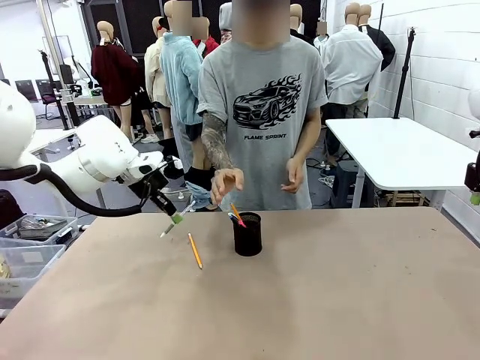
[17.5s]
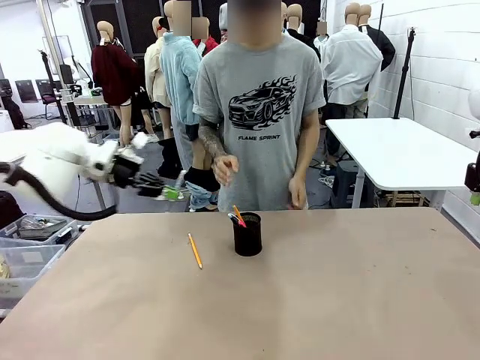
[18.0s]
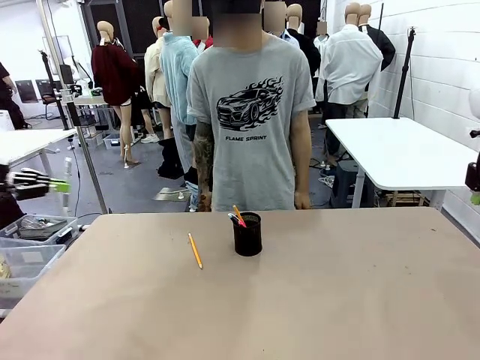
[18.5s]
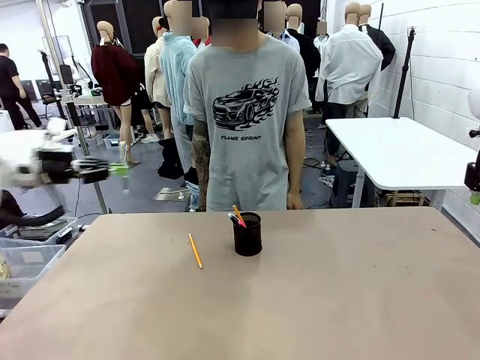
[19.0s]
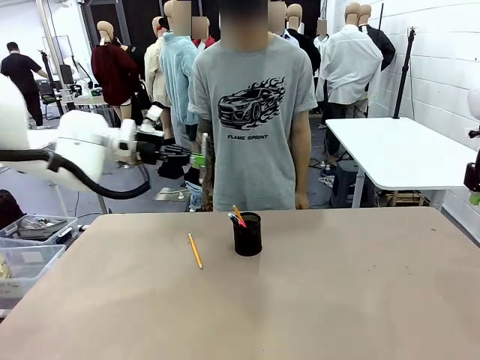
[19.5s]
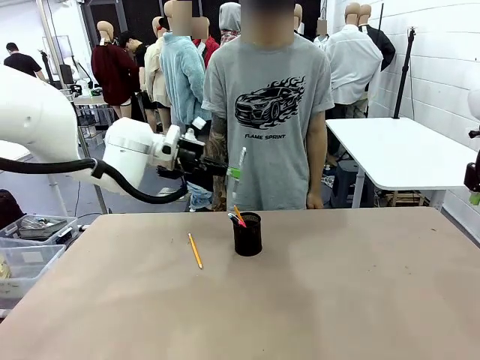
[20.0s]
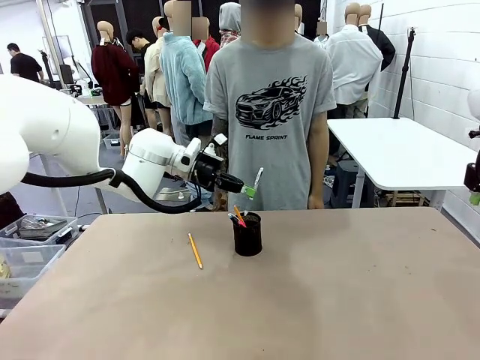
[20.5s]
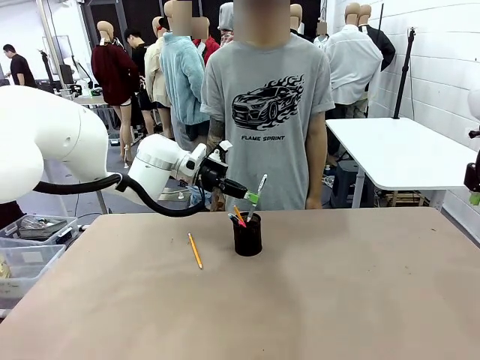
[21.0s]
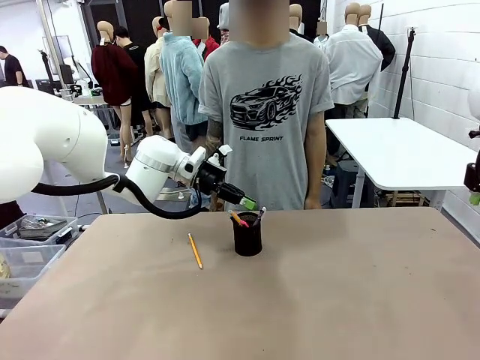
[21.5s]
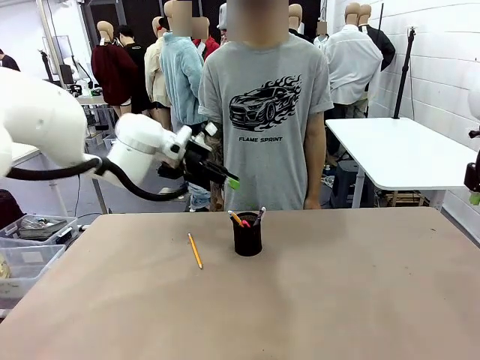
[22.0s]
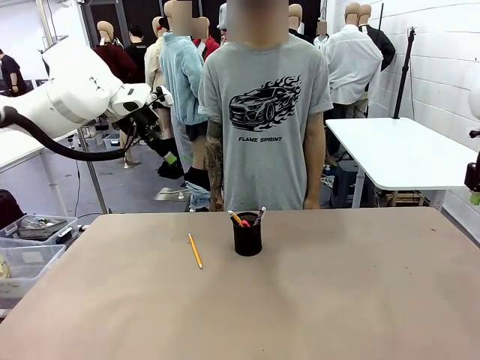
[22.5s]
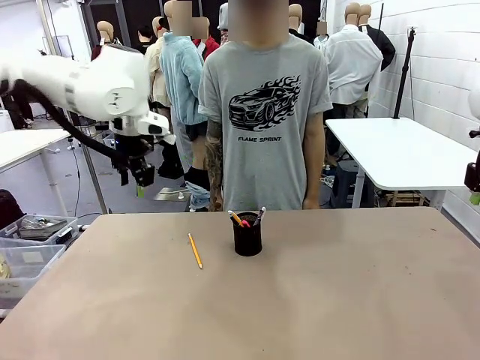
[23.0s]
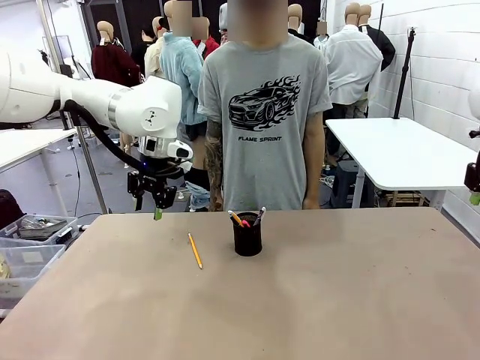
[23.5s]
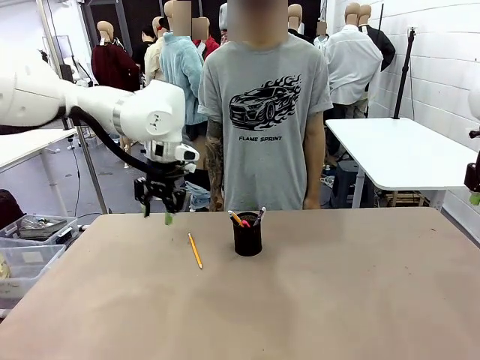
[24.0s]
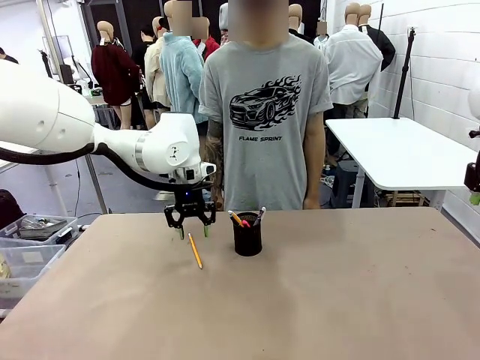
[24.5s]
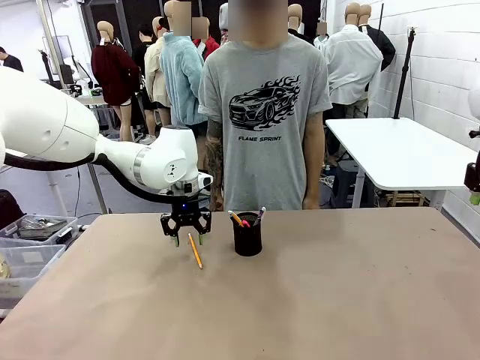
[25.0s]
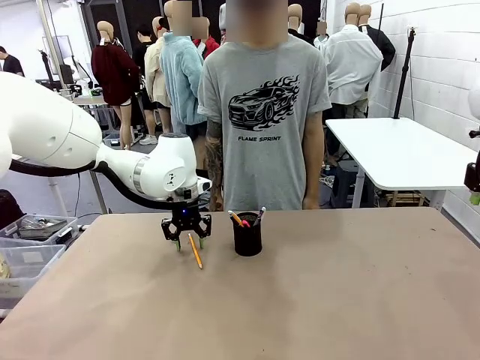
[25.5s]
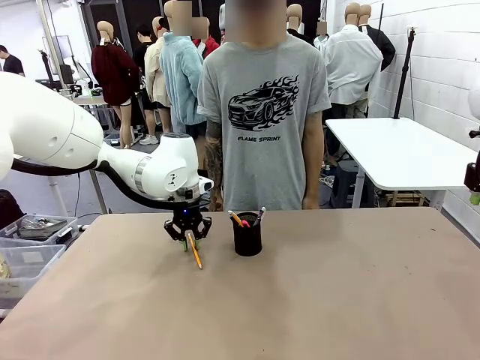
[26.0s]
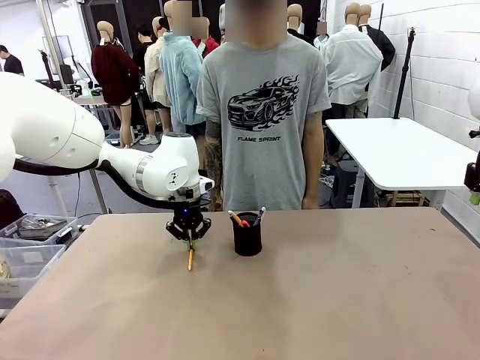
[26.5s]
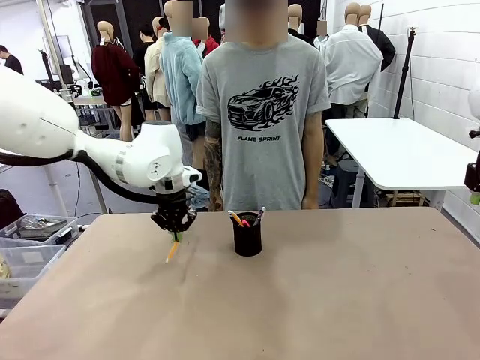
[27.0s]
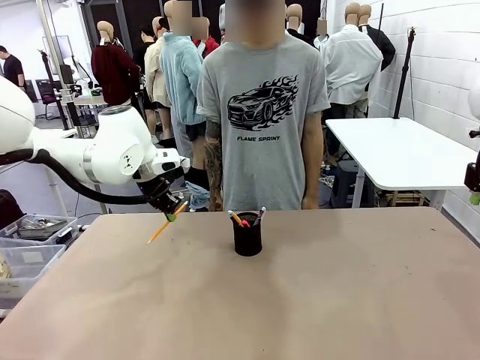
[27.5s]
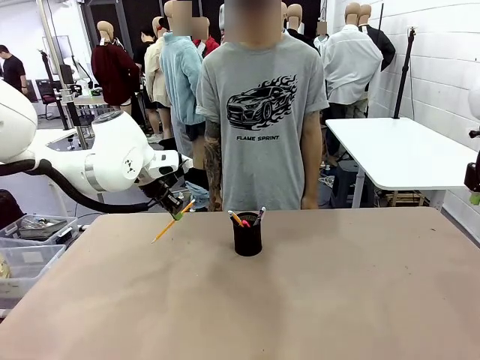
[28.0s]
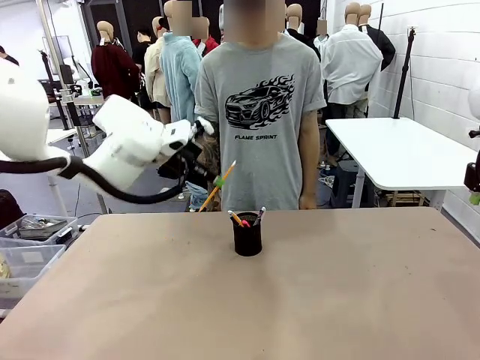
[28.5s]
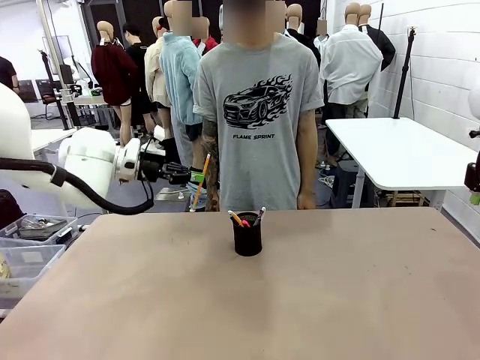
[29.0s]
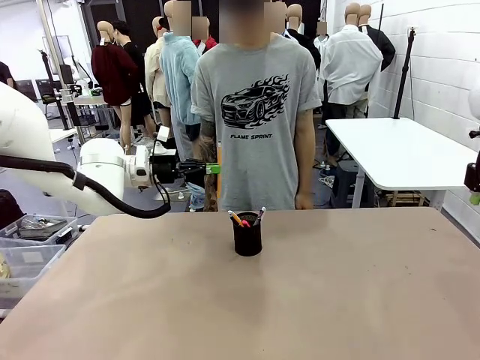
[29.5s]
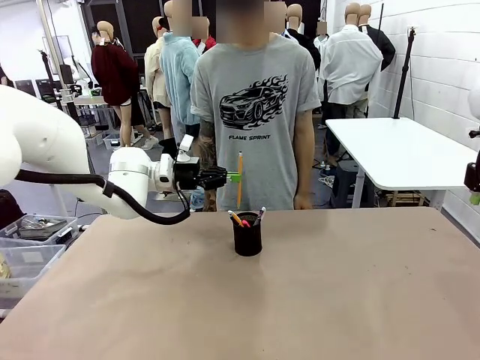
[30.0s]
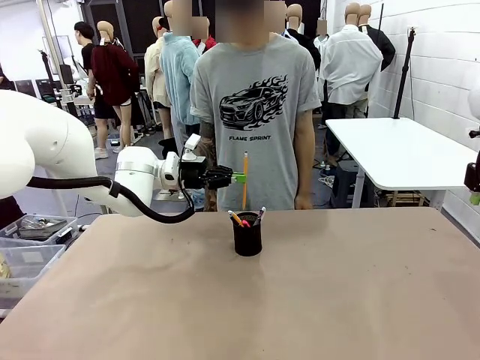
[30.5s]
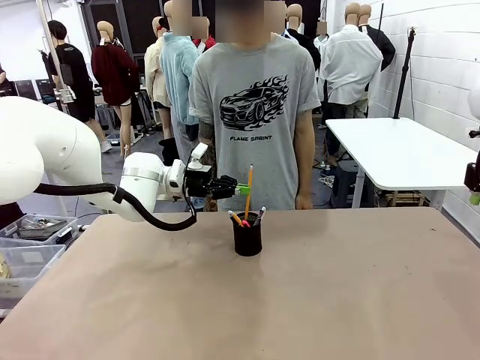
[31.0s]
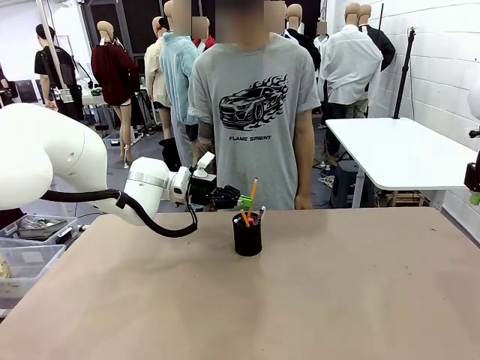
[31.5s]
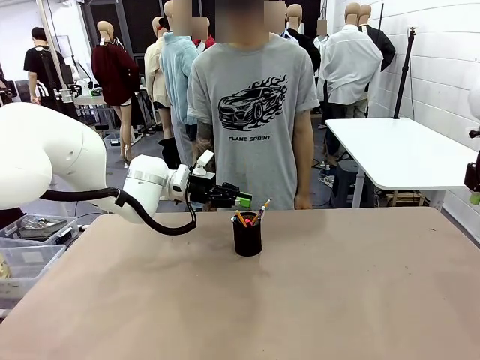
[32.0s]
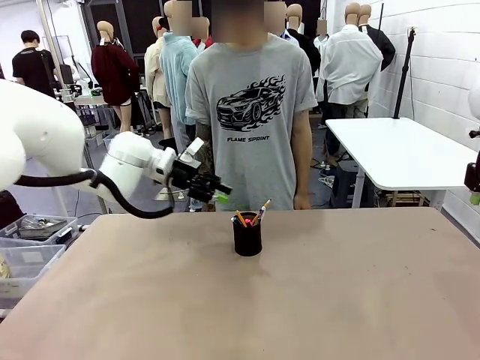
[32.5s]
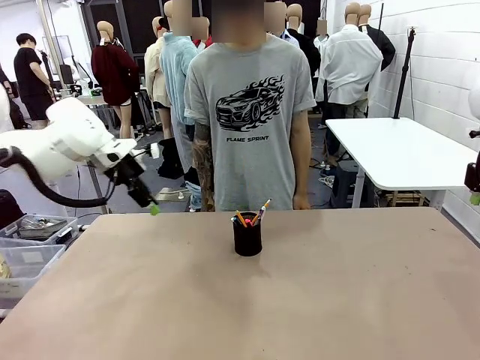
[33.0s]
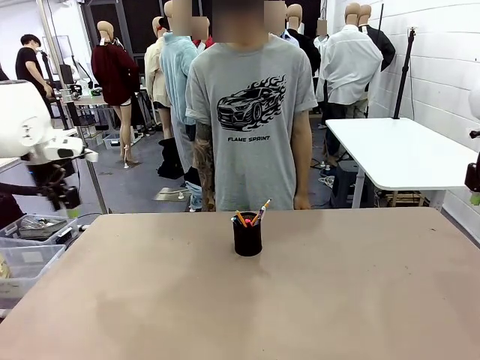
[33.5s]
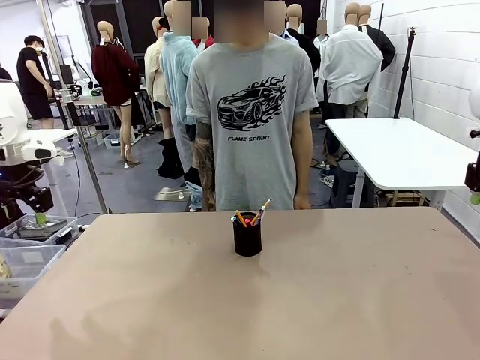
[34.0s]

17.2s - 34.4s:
Task: Place the pens into the pen holder.
Robot: Pick up a writing instrument from the table and place it into the Pen holder.
Person: Place all writing instrument into the Pen holder.
